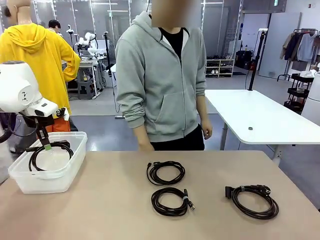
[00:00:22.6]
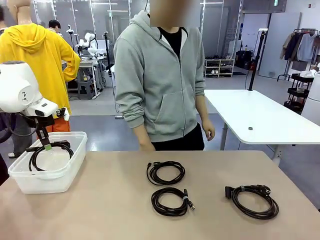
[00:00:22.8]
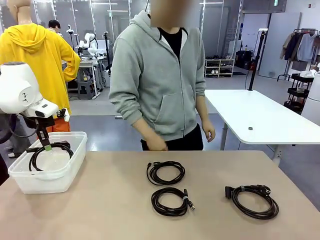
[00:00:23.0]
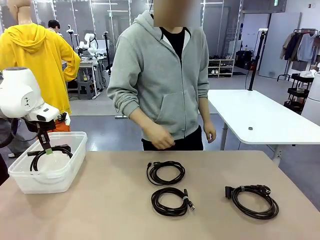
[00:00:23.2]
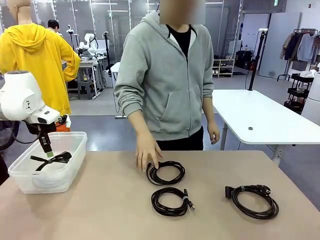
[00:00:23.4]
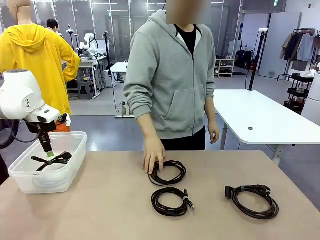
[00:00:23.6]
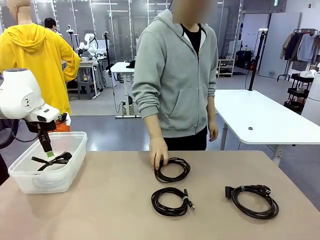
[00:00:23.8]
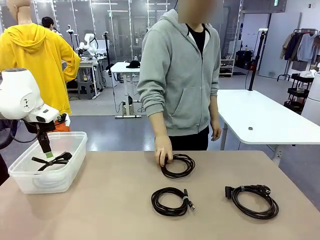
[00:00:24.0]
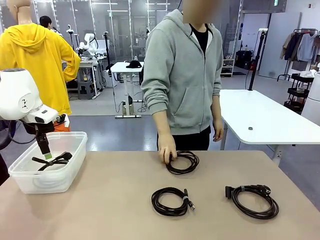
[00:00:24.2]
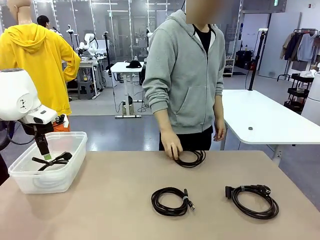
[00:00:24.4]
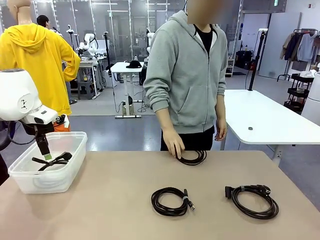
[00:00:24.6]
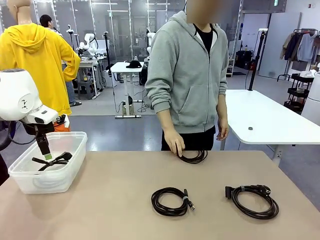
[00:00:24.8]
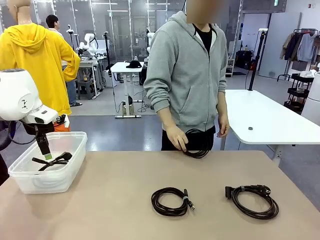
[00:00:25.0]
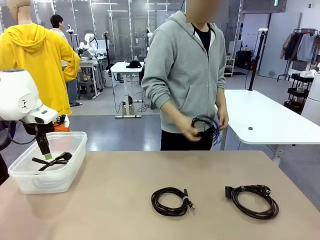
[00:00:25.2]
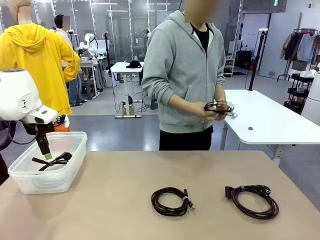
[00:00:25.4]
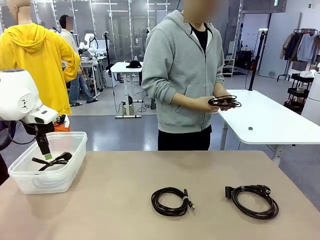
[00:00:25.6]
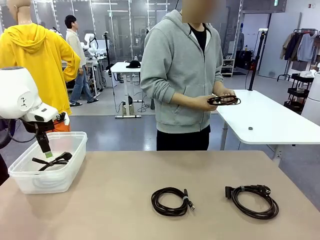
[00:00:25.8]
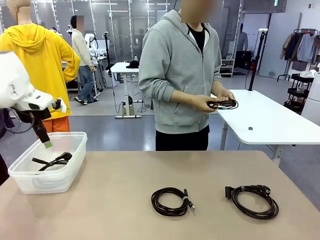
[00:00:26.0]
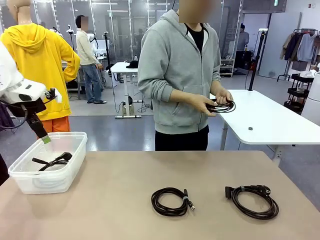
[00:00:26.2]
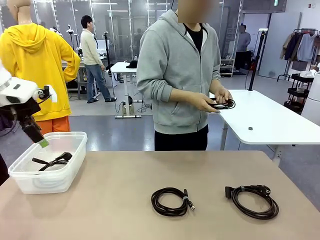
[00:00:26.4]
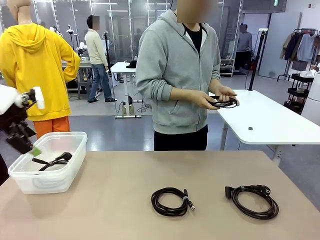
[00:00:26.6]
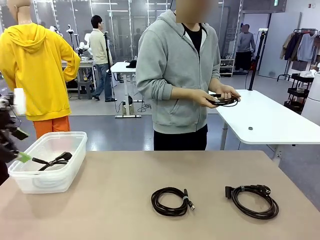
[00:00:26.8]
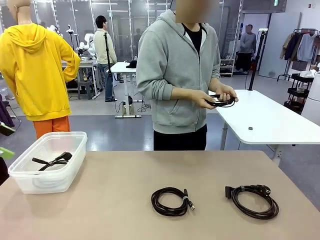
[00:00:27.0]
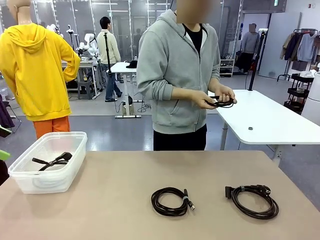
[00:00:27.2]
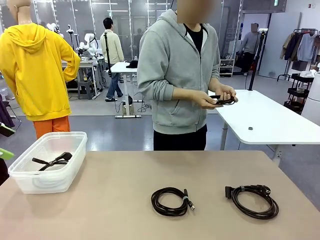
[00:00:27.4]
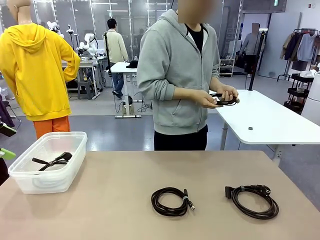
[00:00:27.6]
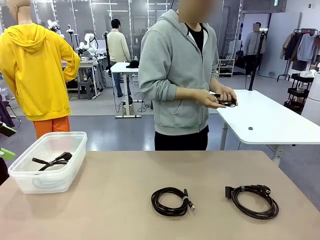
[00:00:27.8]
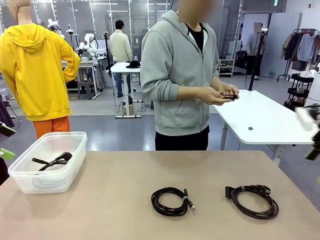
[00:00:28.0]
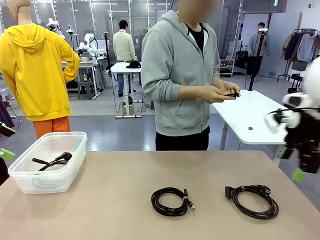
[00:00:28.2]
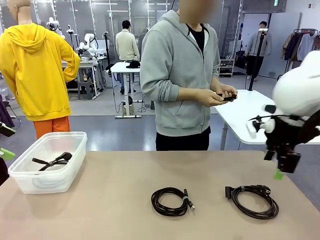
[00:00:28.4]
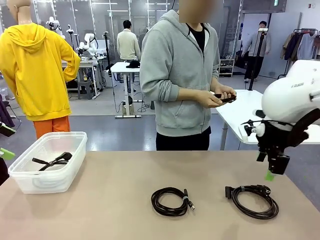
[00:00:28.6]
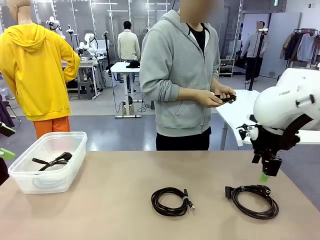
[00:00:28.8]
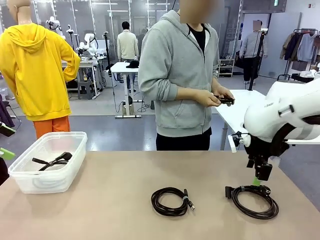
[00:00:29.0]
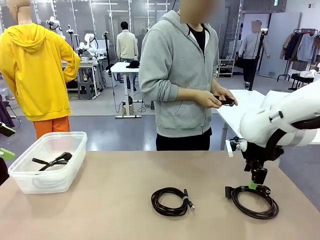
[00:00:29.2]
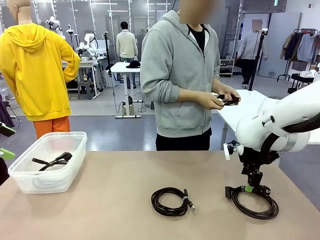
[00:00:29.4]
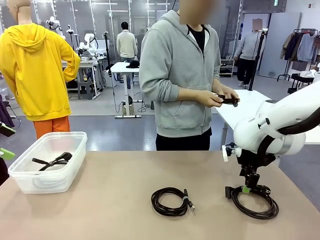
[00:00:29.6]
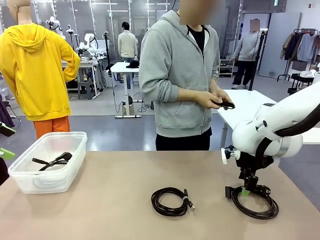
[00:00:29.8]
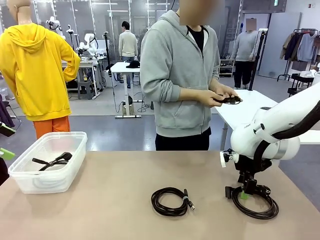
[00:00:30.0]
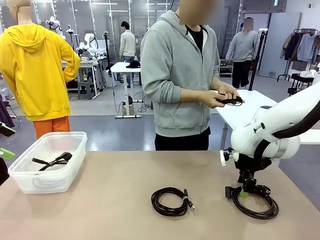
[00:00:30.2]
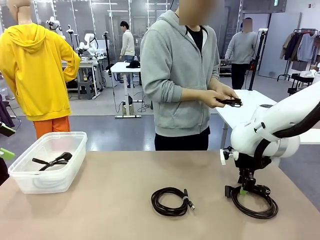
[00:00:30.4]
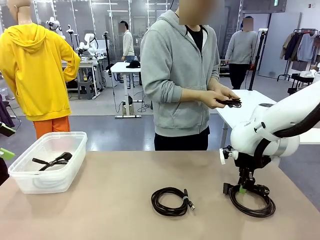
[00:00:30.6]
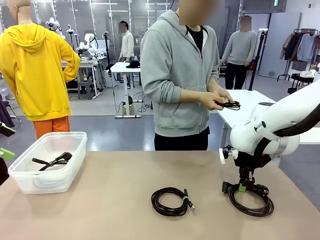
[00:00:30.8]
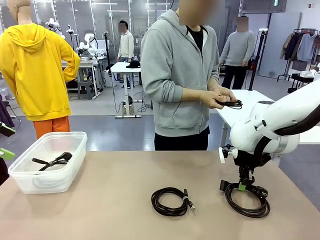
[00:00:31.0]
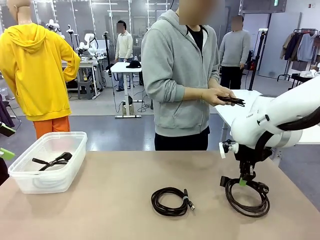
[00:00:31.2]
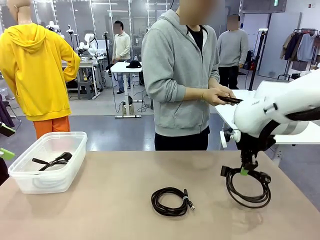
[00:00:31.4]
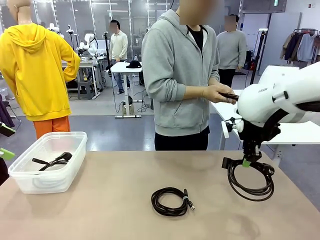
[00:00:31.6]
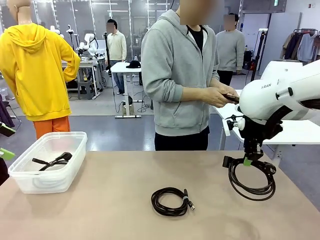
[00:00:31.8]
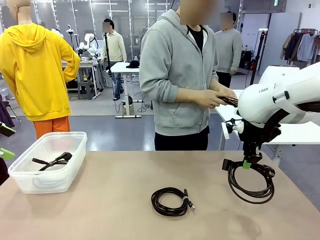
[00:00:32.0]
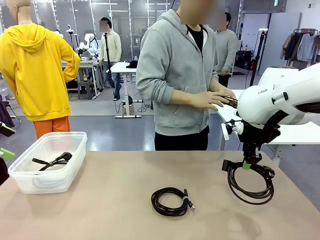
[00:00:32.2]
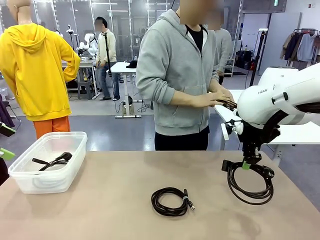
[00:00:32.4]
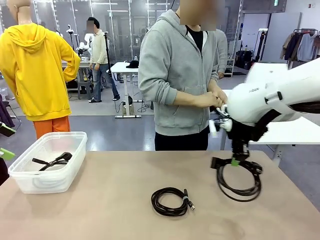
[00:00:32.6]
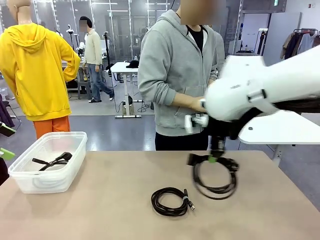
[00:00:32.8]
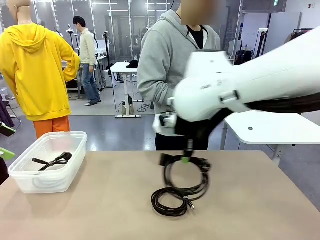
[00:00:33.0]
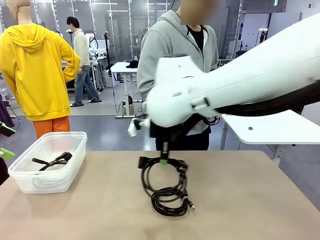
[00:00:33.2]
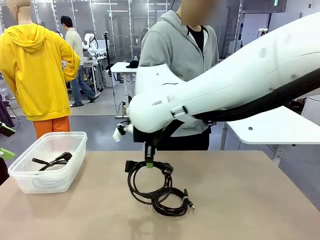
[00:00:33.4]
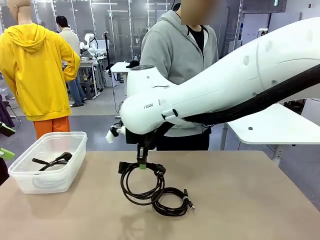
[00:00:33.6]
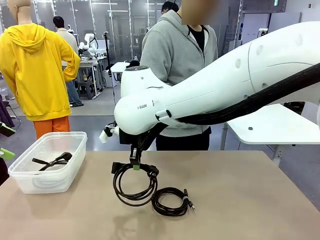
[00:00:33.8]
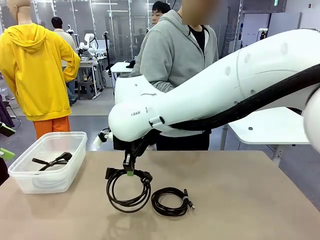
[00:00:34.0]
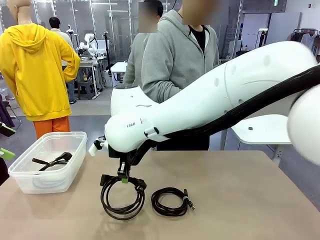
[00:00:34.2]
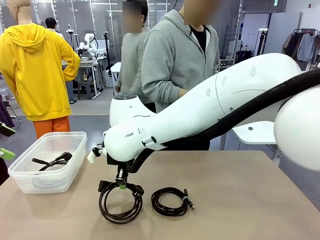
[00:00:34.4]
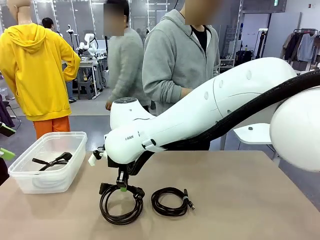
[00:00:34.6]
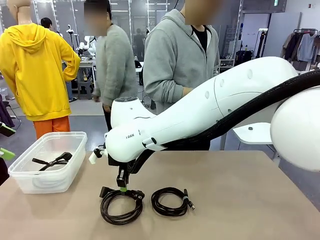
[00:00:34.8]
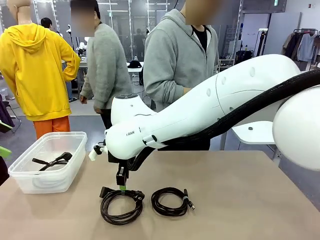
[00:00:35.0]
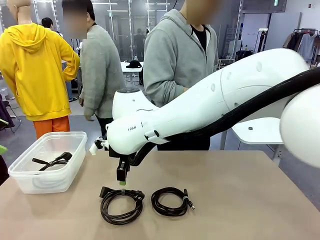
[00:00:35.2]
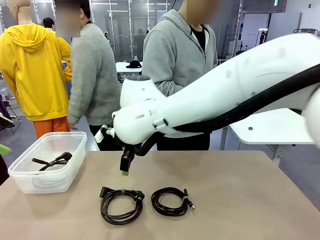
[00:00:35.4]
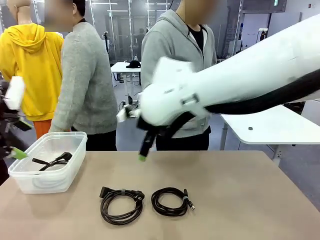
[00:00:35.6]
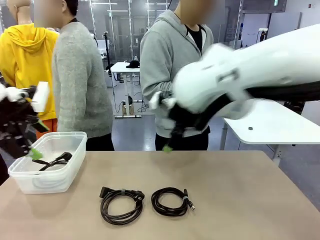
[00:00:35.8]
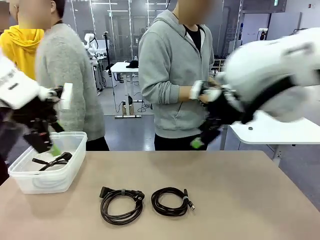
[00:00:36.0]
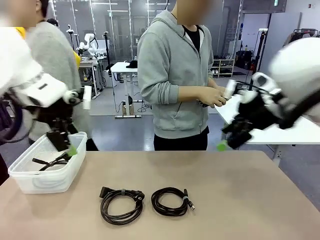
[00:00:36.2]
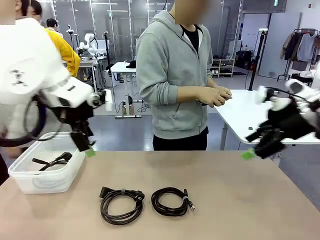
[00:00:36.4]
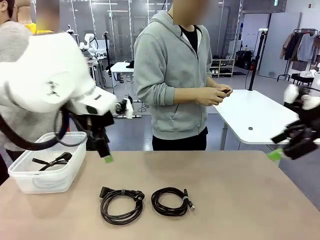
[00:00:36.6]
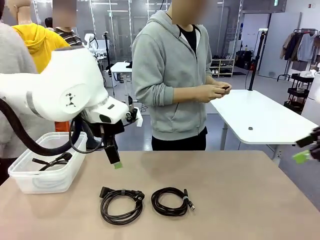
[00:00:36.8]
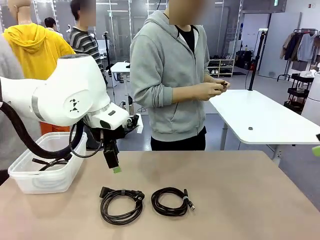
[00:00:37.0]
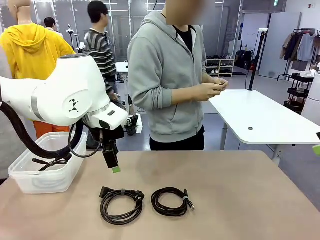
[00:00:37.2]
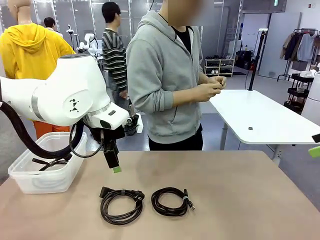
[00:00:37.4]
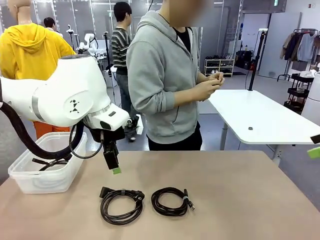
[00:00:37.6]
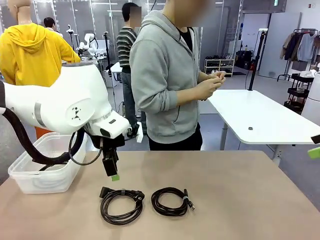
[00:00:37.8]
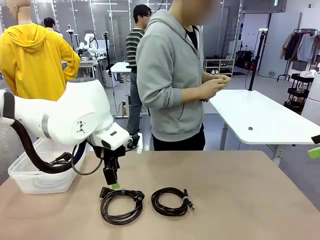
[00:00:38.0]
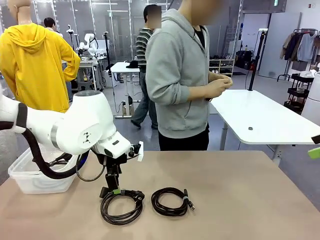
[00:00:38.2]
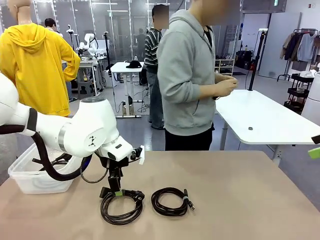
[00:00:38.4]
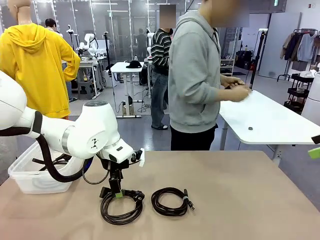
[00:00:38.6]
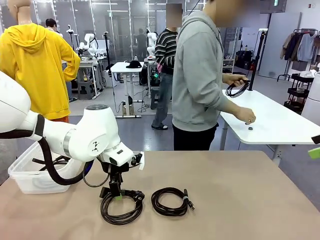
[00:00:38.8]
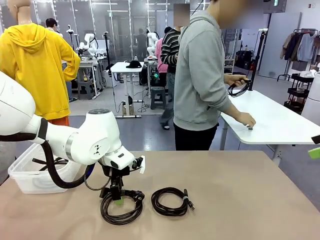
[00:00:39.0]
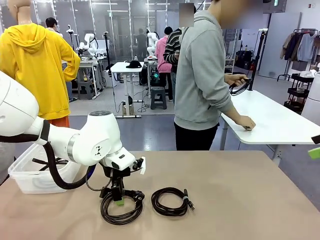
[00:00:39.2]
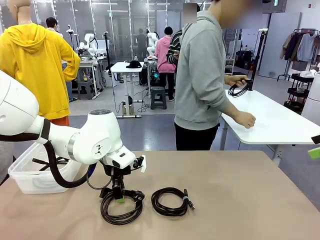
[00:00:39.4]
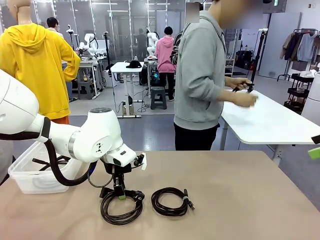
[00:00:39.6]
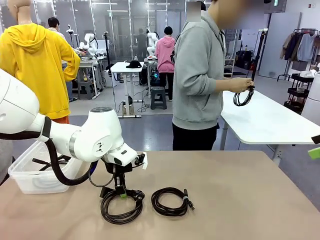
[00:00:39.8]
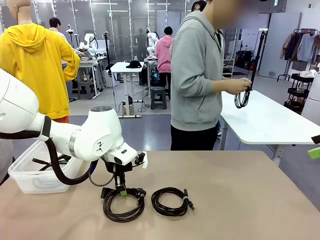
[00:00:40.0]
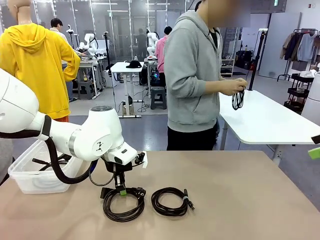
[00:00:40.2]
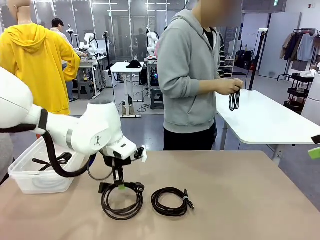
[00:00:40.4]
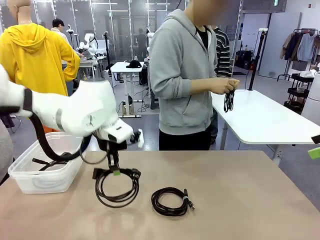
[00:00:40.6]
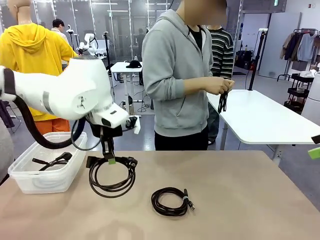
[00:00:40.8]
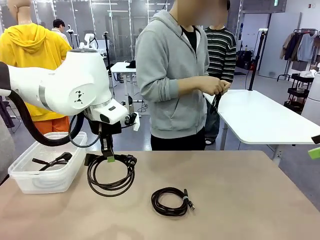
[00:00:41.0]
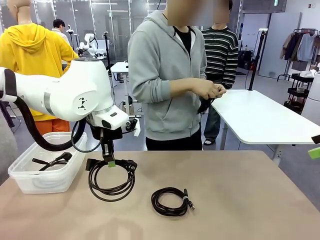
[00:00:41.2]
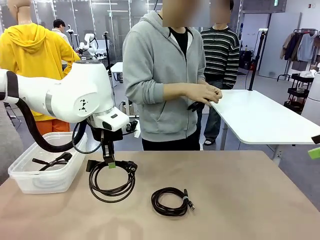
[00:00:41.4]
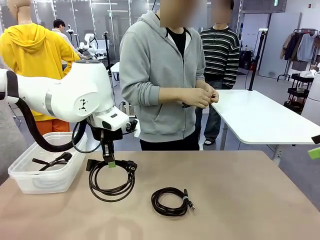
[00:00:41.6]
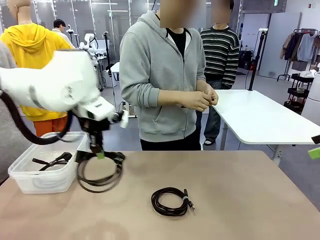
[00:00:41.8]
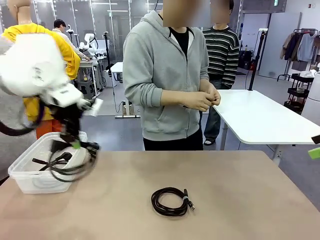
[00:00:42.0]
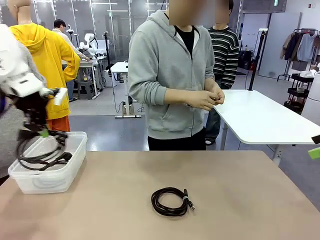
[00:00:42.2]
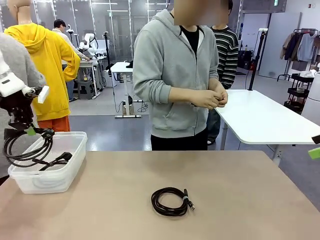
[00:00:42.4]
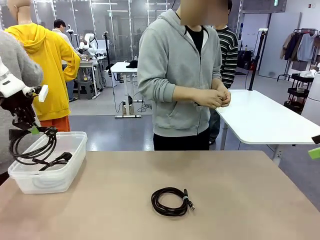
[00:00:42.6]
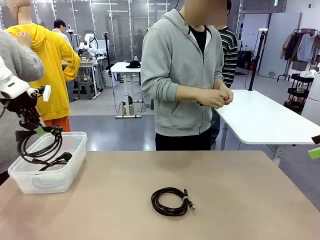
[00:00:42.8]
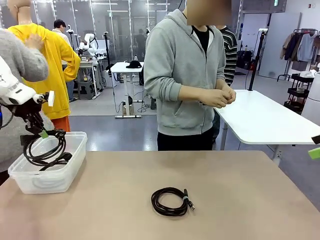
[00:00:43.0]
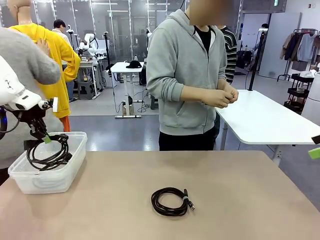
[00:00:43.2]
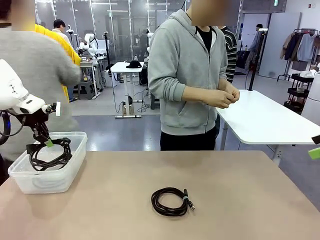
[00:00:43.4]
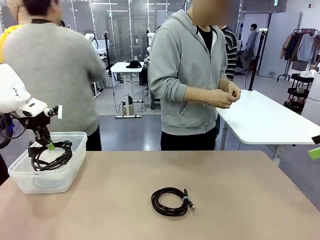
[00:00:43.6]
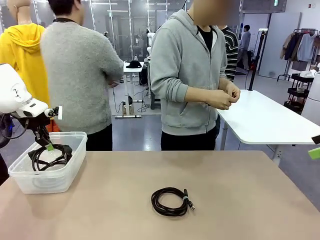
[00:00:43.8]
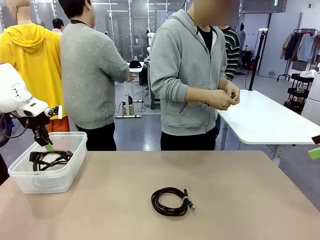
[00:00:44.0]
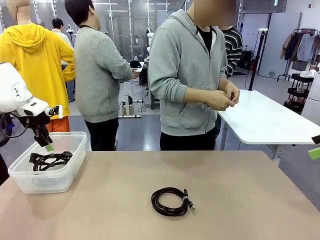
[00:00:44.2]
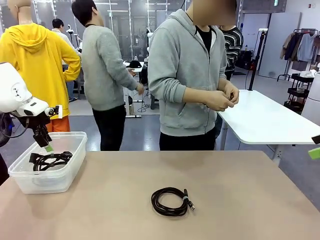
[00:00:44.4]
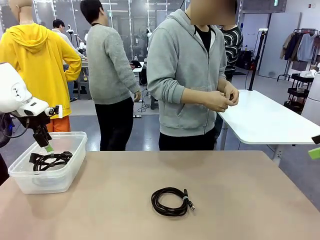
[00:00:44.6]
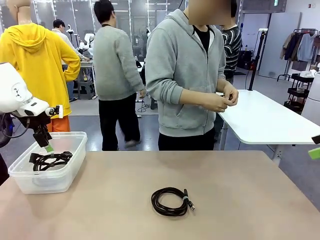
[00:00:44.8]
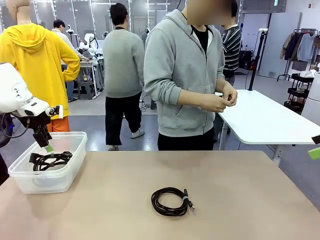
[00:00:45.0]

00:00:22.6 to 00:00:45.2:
Task: Organize and store the cables.
Robot: Place the Power Cable into the Organizing box.
